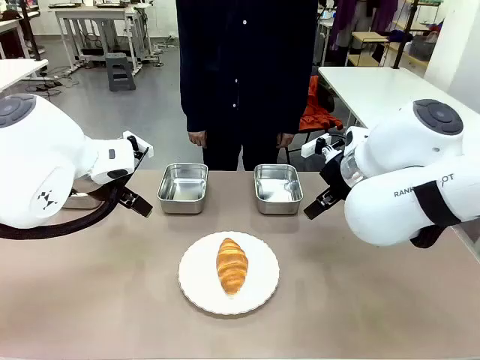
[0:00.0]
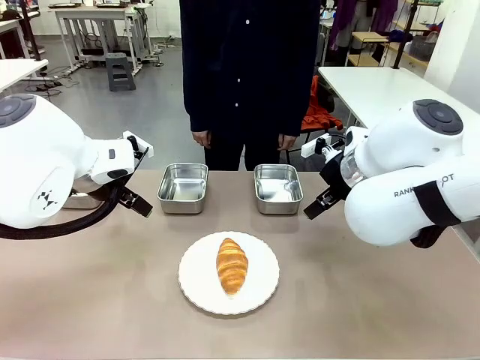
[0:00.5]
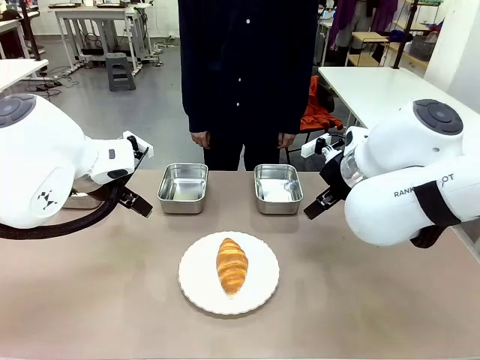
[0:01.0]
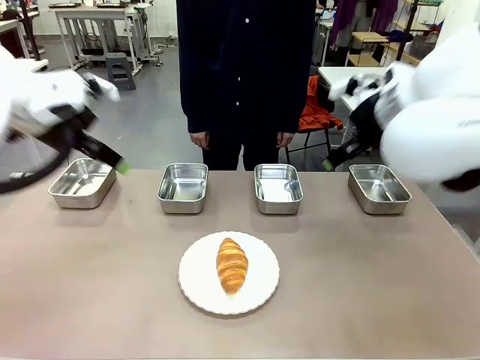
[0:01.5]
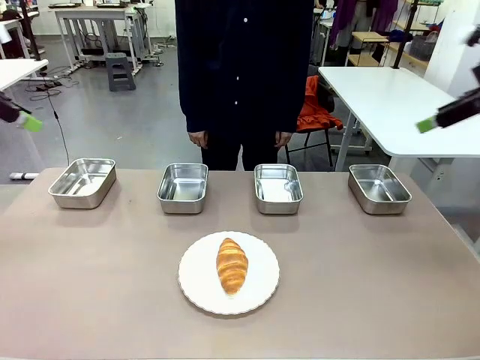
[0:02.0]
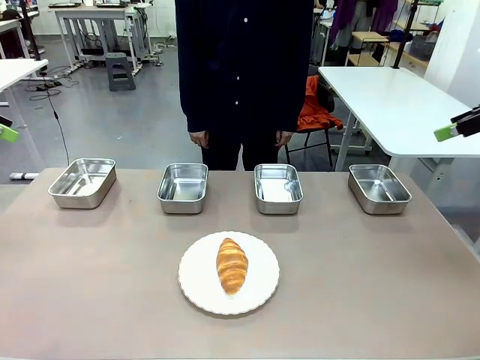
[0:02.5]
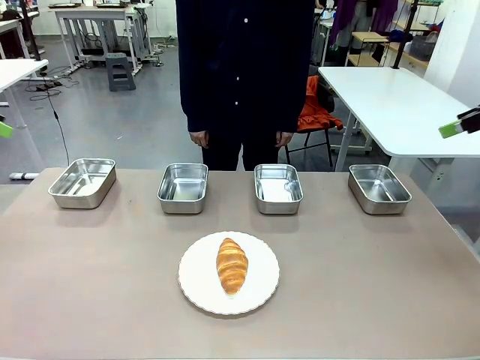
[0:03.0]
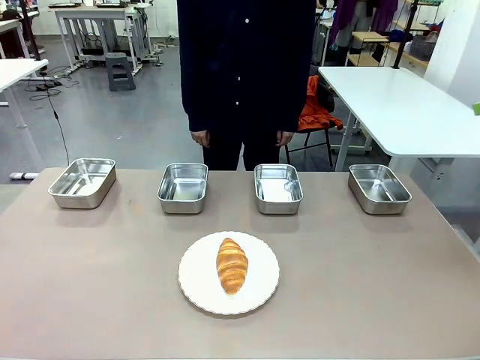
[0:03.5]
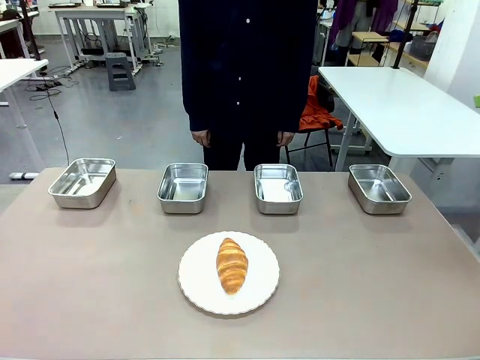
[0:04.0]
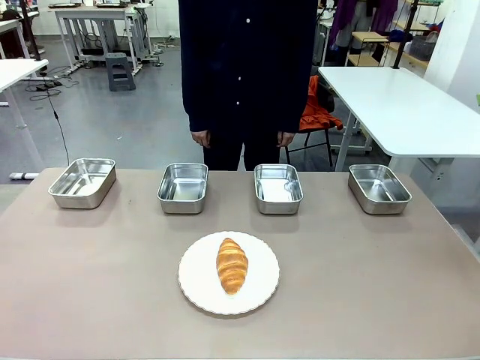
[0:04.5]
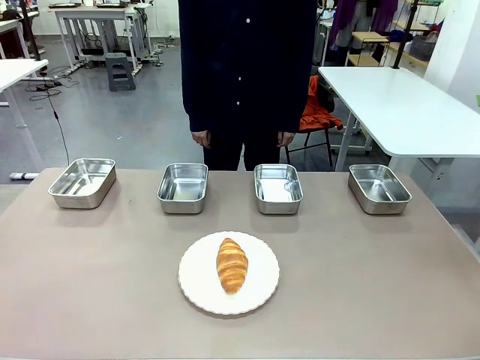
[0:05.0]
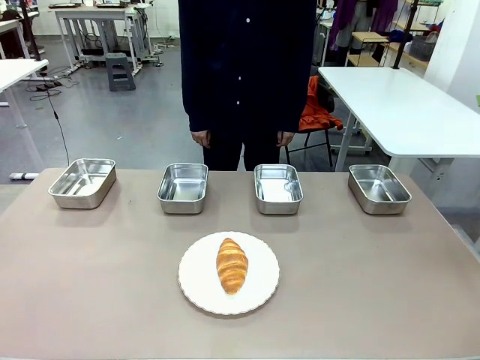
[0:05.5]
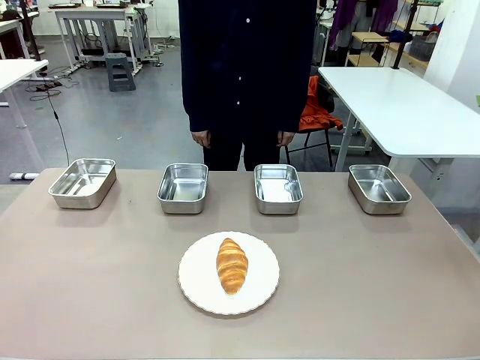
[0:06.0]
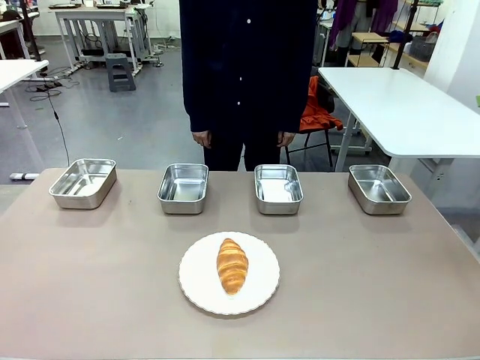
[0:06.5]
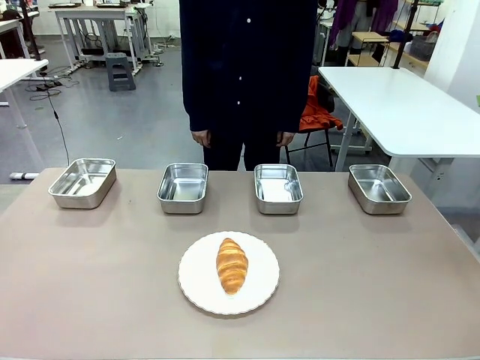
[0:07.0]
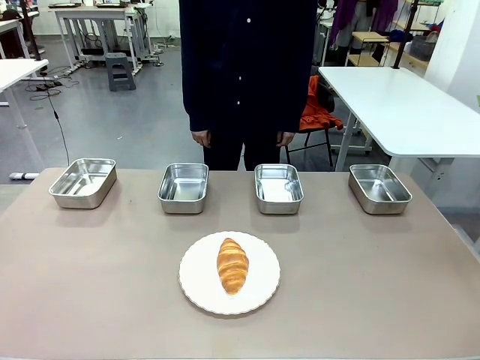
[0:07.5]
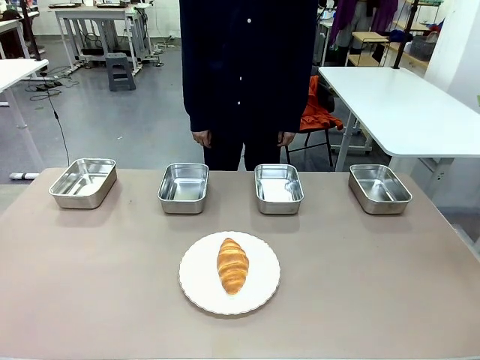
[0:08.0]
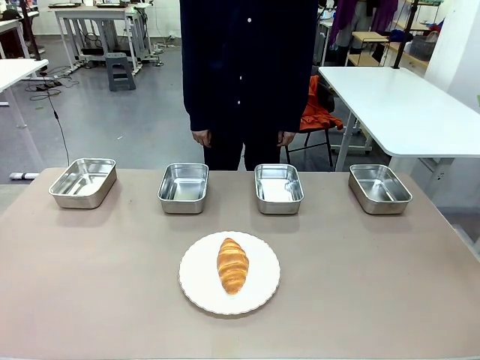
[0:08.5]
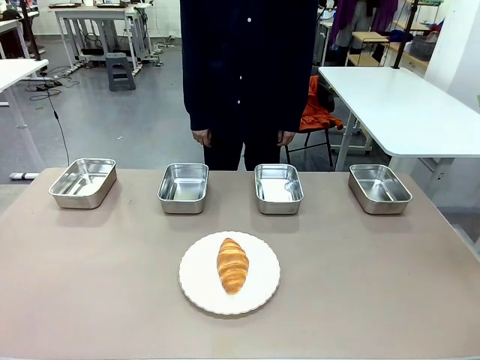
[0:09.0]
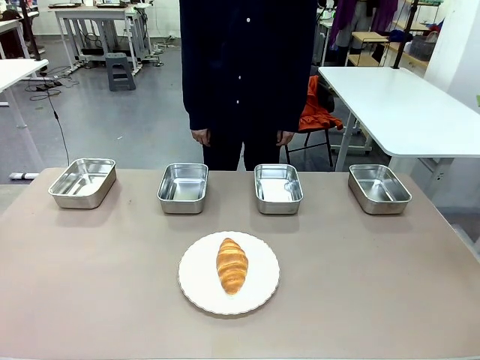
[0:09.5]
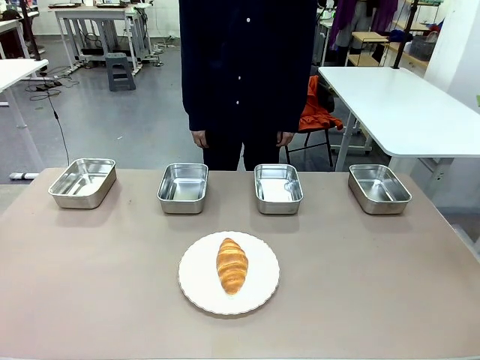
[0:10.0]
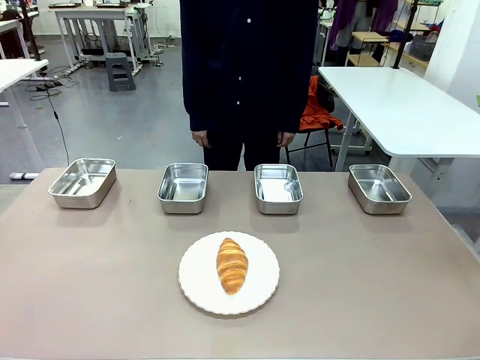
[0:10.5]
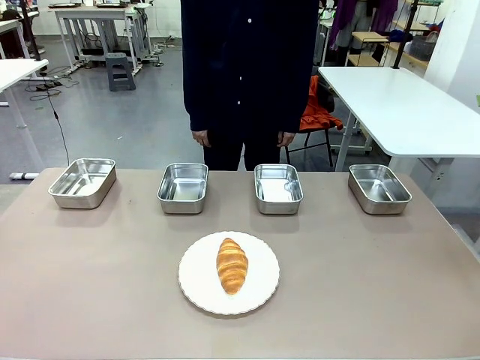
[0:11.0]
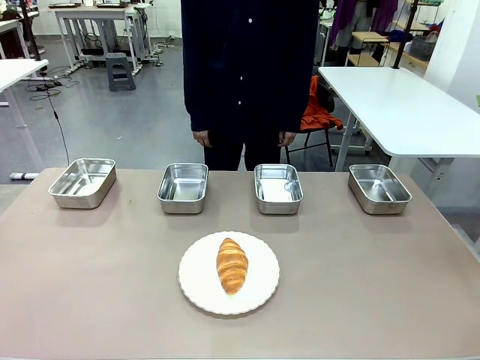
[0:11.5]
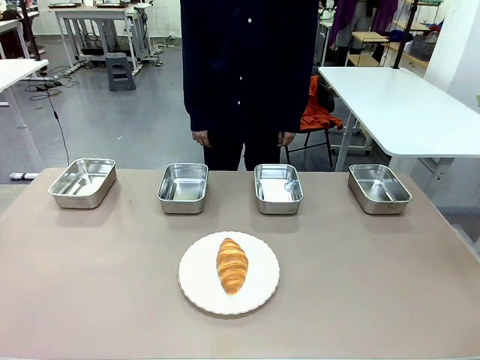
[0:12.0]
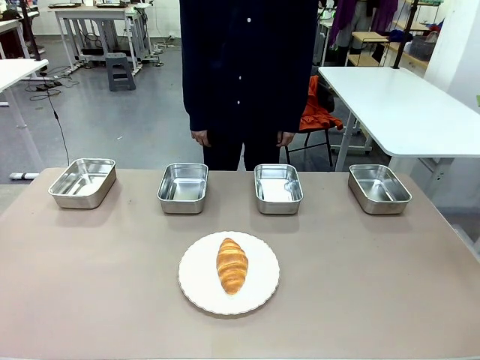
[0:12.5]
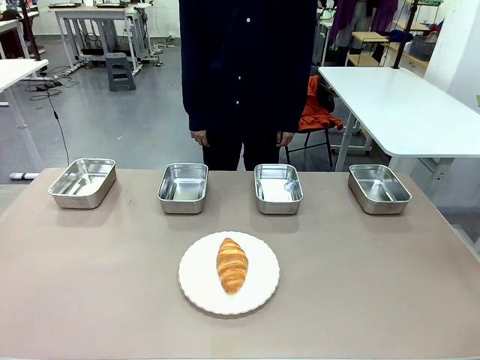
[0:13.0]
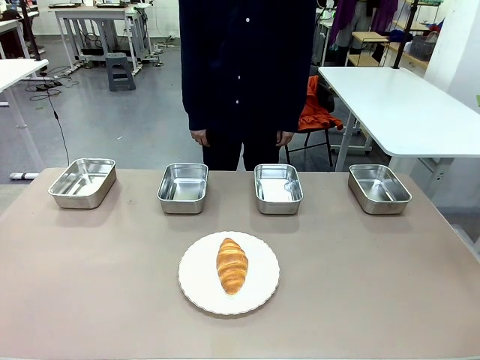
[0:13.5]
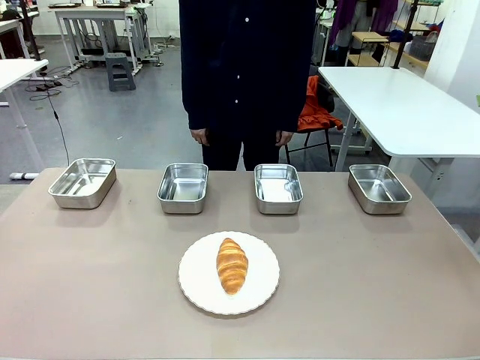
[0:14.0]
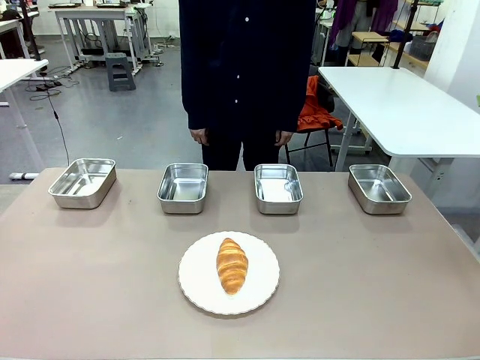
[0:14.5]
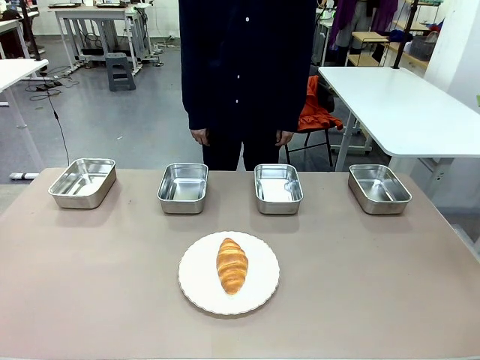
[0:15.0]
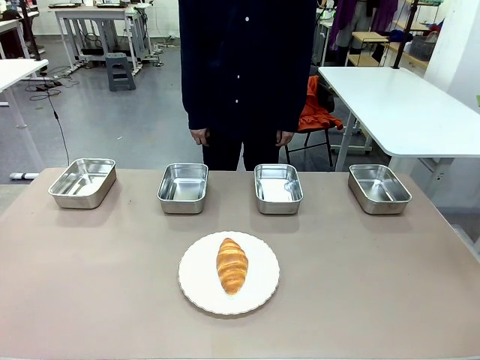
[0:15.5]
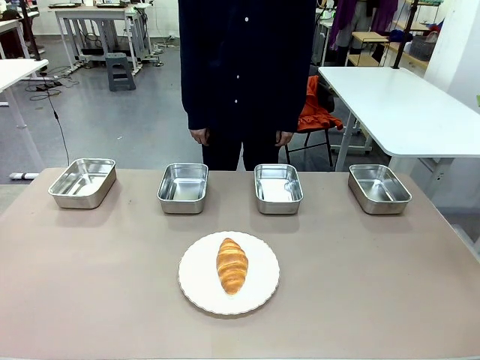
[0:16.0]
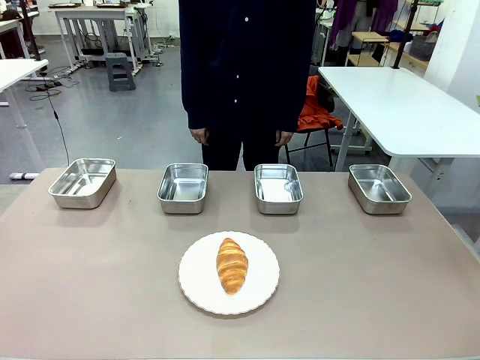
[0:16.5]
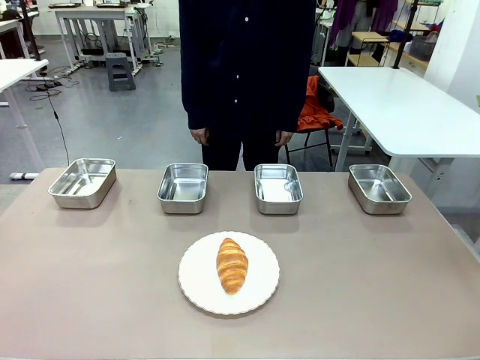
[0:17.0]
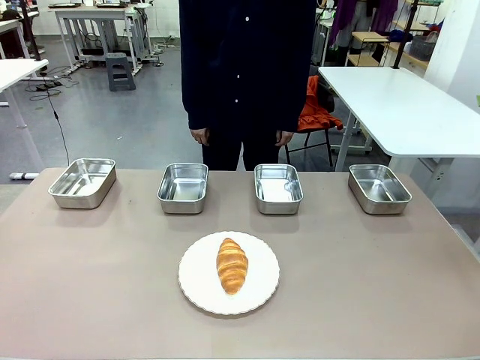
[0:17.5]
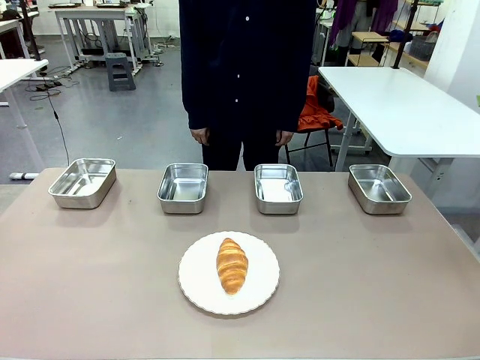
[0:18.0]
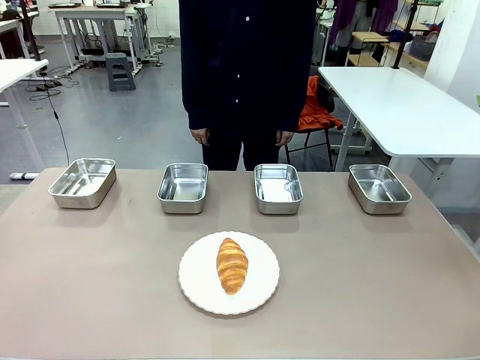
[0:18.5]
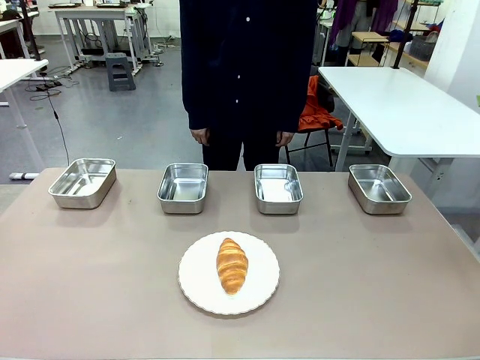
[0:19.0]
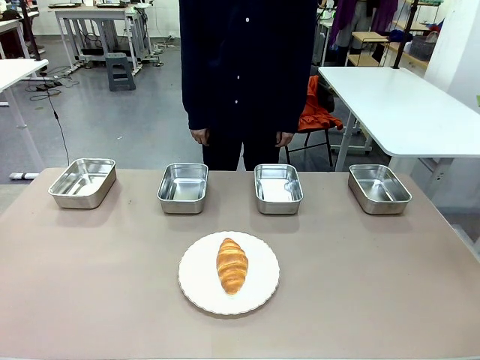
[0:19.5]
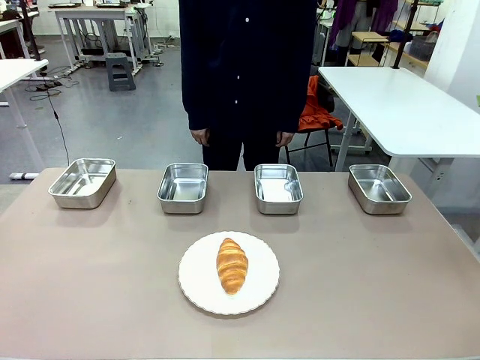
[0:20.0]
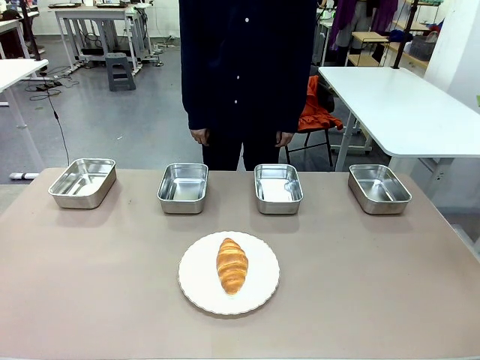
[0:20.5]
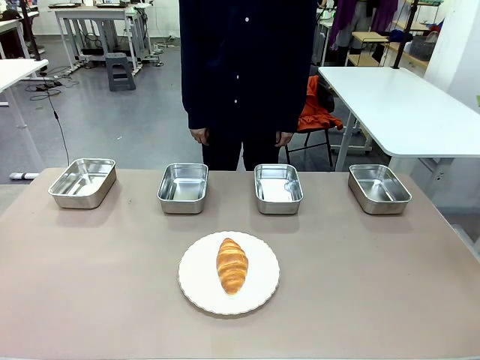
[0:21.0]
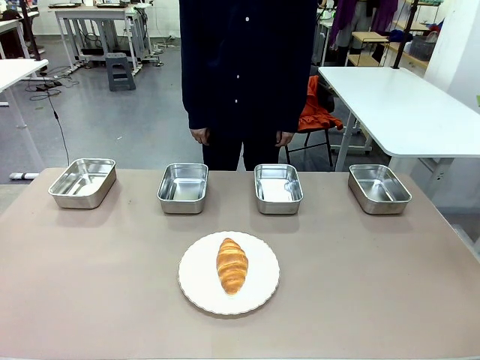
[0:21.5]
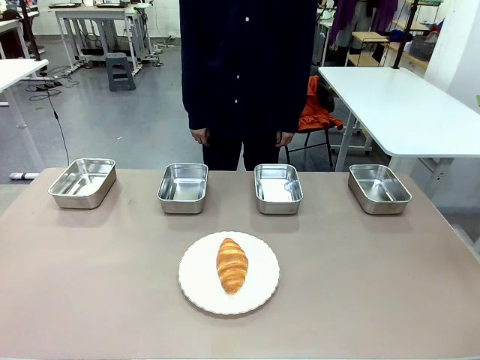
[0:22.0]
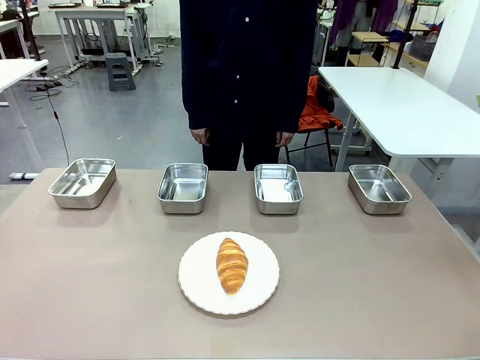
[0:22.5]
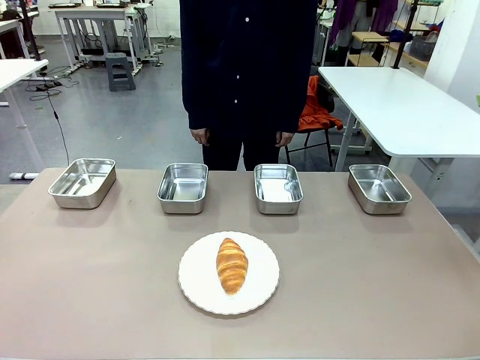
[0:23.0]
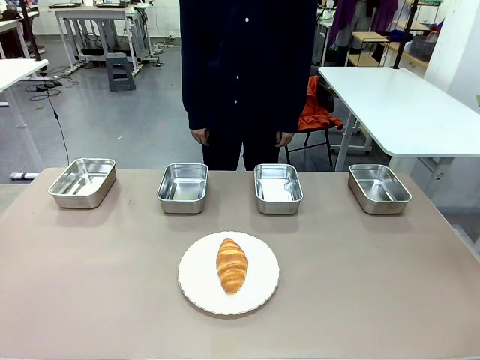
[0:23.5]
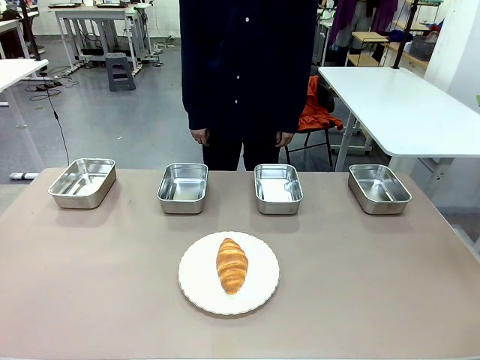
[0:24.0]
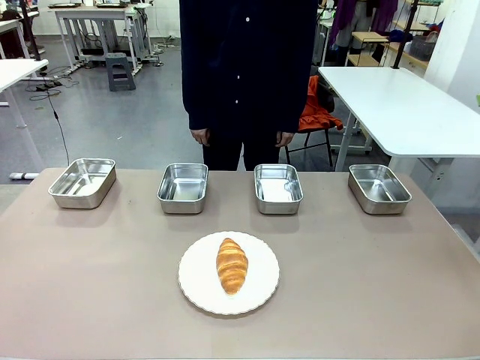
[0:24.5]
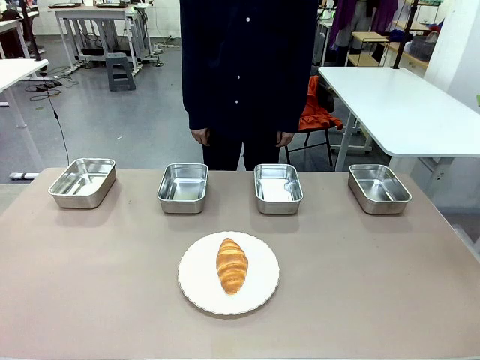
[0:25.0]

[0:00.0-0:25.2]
Task: Place the bread in the container.
Robot: Place the Butter Roll into the Airtight Container indicated by the human.
